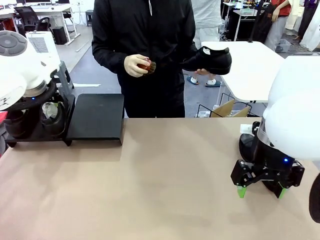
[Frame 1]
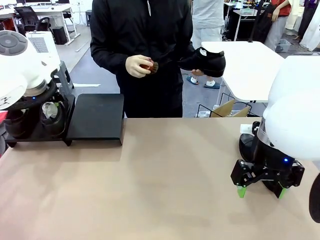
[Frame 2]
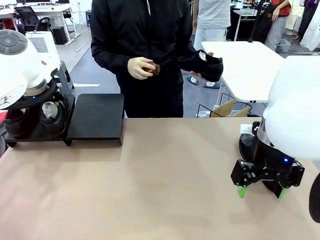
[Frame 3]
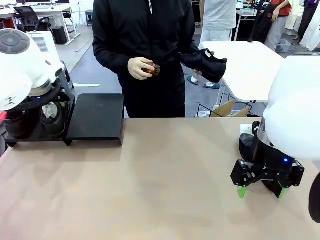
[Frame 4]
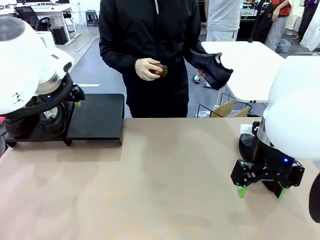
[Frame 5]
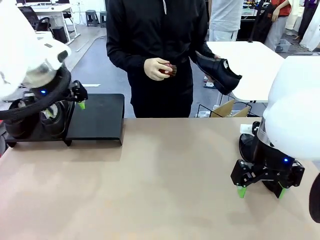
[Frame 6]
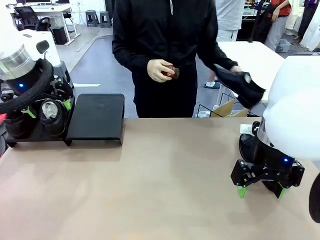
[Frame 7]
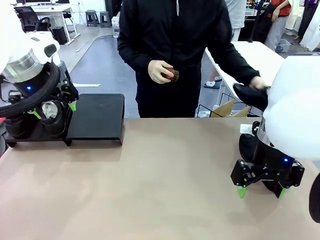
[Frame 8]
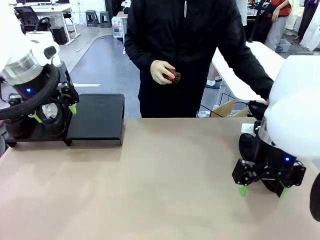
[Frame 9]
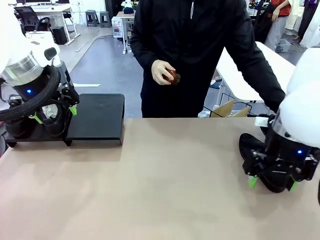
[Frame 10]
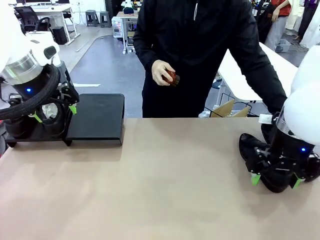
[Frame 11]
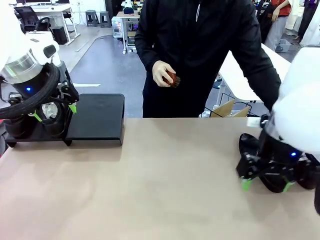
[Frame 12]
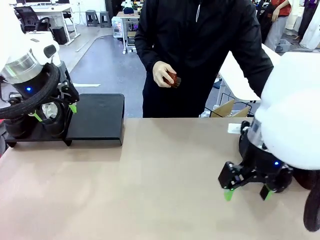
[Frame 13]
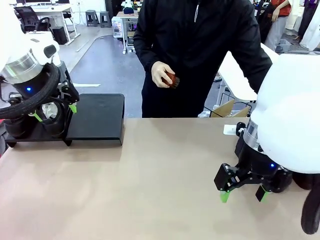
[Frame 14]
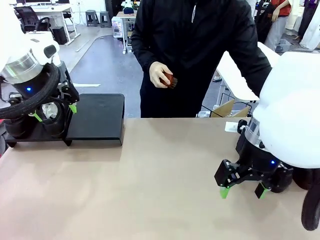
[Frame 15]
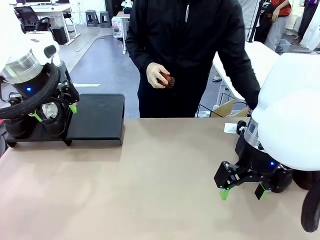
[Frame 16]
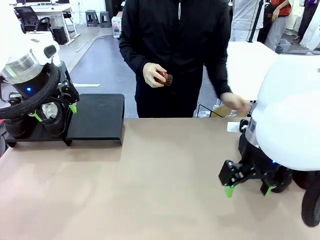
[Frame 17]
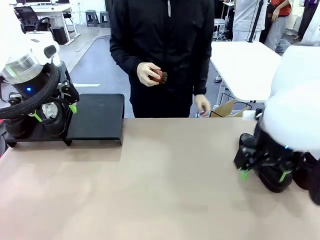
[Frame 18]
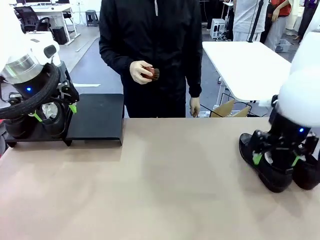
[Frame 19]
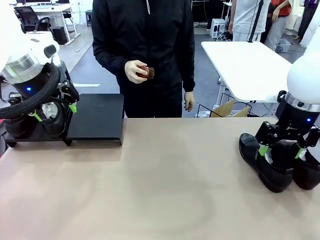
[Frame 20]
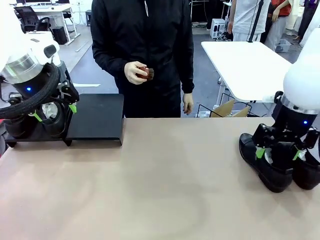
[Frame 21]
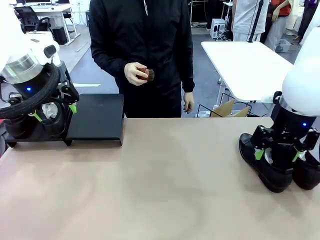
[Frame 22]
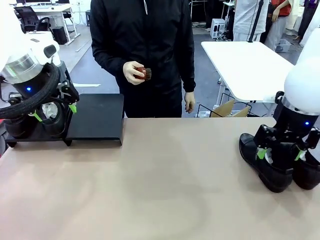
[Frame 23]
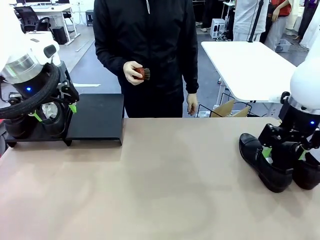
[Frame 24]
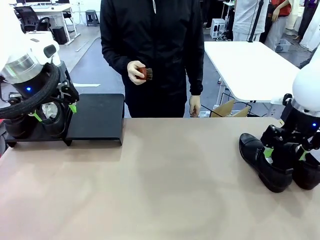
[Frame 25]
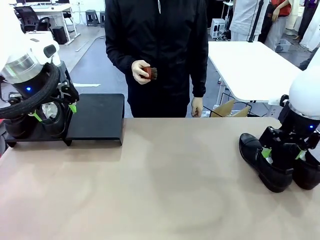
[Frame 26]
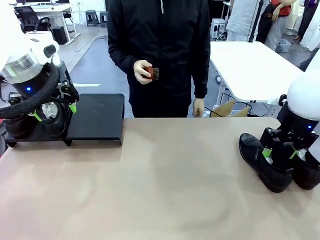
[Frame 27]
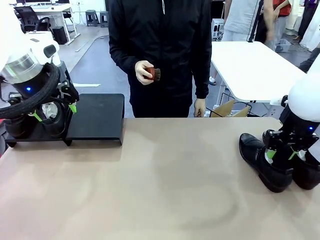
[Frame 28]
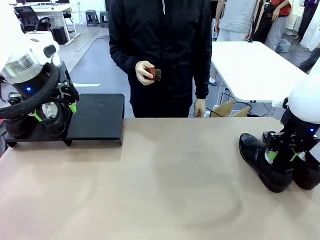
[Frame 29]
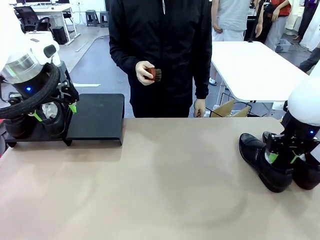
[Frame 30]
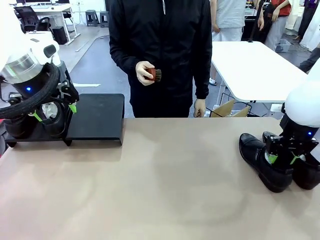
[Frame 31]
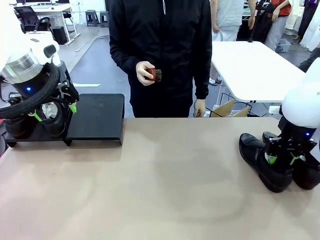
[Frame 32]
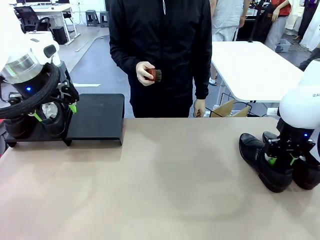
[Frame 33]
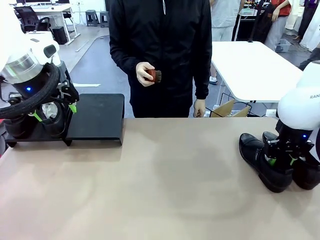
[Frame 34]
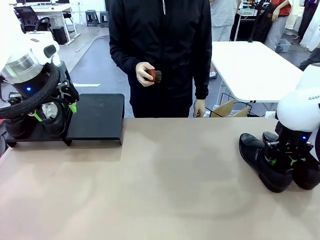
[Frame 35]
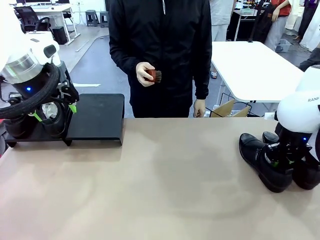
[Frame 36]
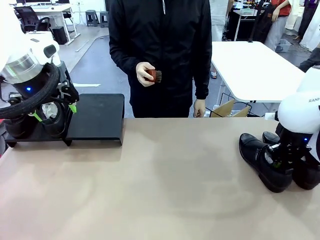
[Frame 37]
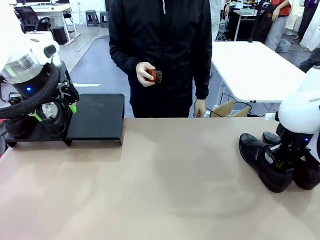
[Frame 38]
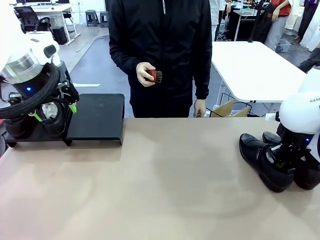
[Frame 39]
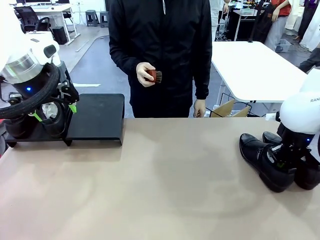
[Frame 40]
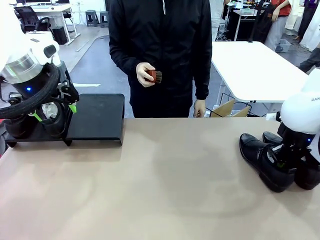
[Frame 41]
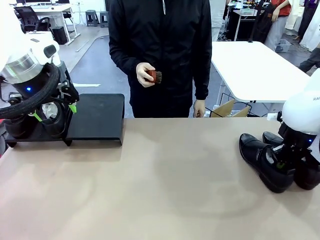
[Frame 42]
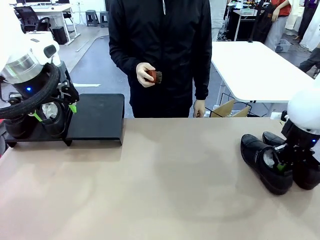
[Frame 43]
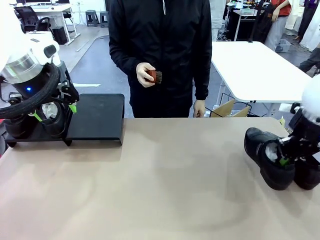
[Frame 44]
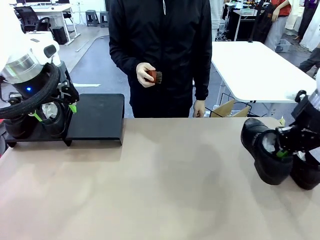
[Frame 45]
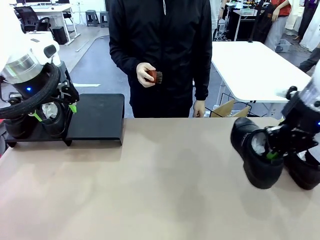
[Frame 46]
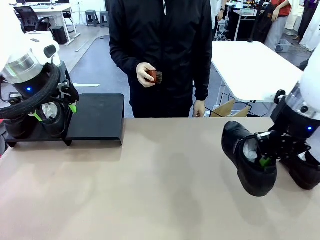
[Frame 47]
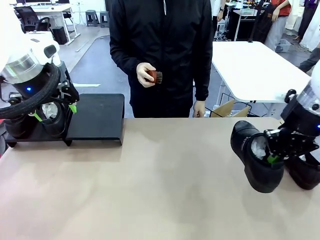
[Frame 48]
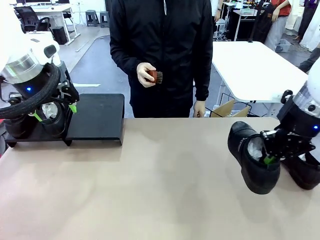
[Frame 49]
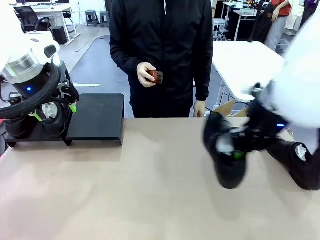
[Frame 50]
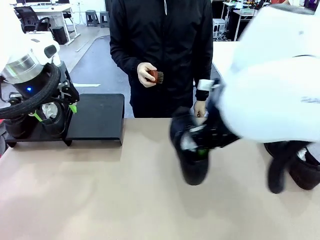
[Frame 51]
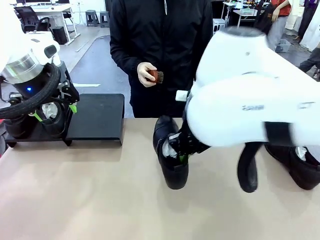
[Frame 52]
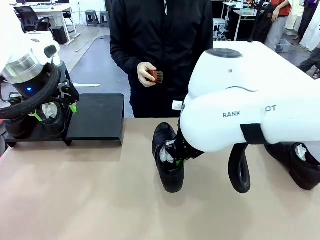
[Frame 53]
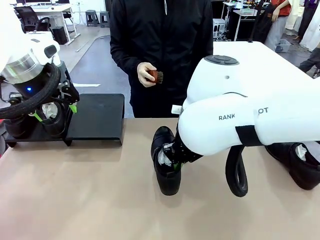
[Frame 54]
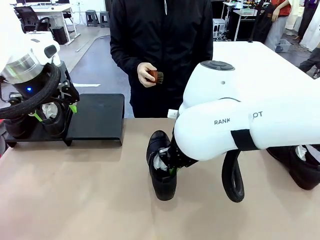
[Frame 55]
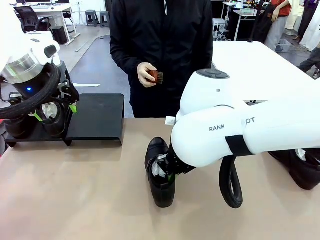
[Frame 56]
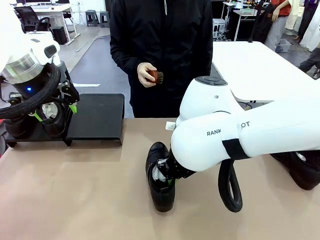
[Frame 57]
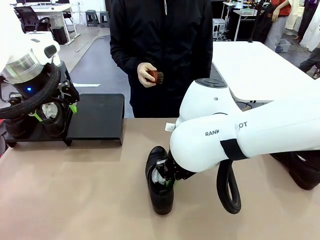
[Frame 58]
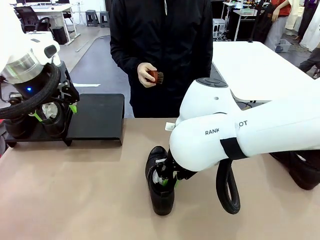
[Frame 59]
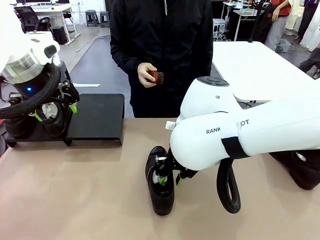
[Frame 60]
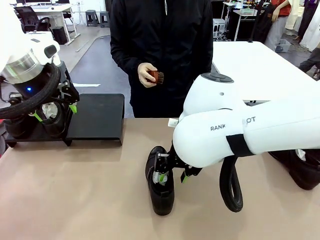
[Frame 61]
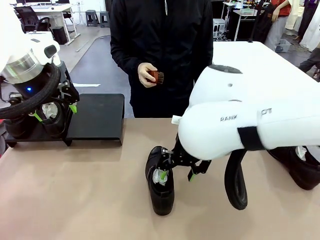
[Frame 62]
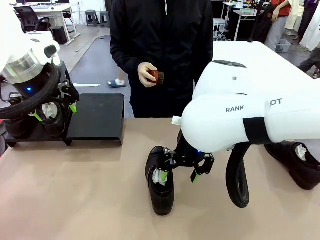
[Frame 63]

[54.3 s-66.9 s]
Task: Organize the shoes by placing them on the stand.
Robot: Pick up one Shoe and place it in the middle of the table.

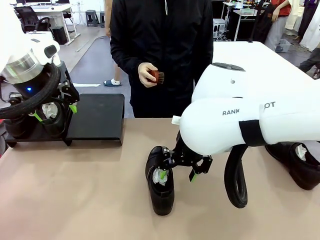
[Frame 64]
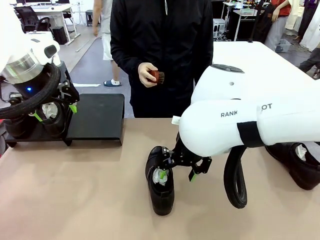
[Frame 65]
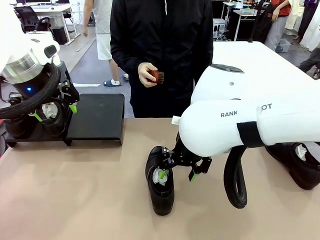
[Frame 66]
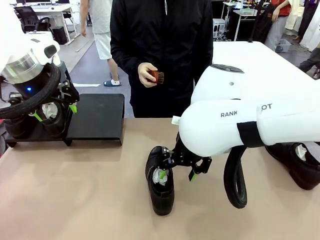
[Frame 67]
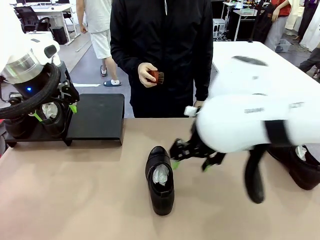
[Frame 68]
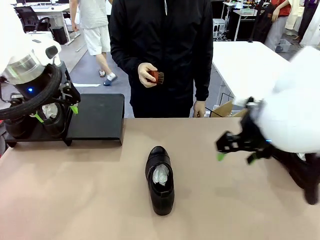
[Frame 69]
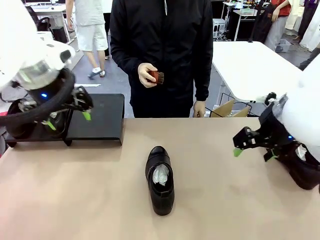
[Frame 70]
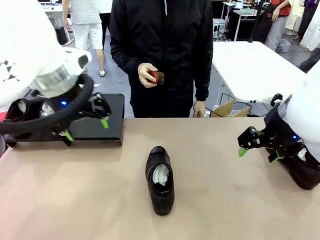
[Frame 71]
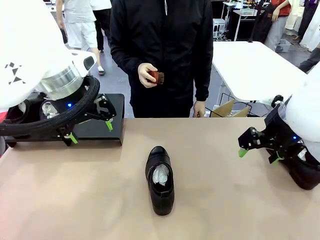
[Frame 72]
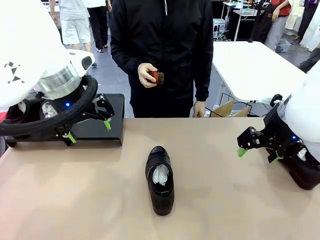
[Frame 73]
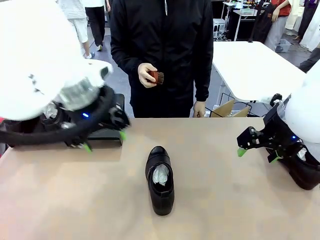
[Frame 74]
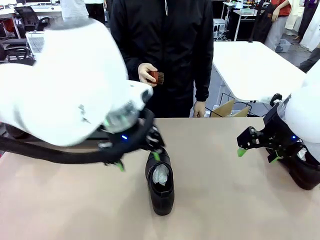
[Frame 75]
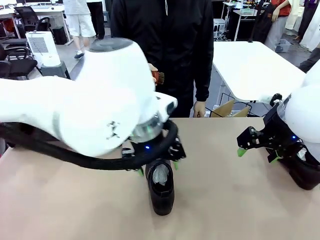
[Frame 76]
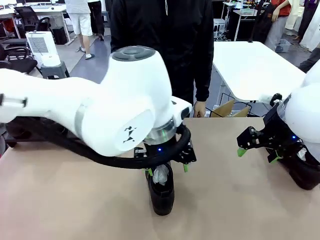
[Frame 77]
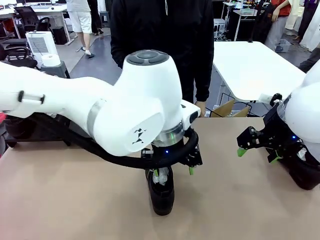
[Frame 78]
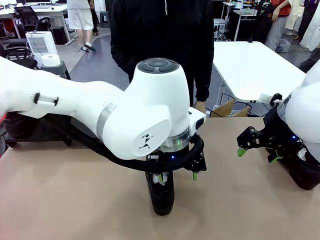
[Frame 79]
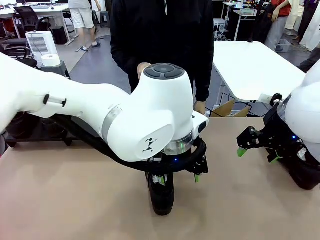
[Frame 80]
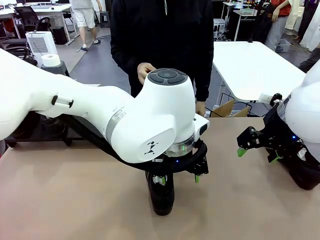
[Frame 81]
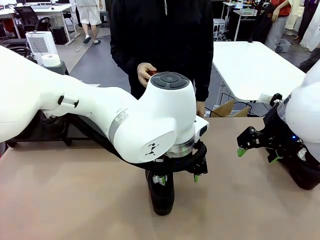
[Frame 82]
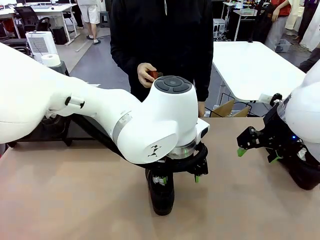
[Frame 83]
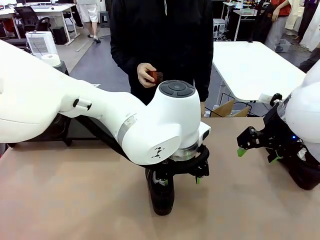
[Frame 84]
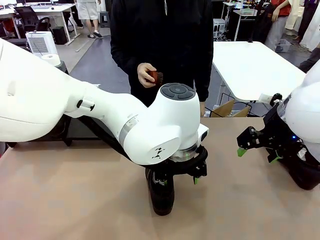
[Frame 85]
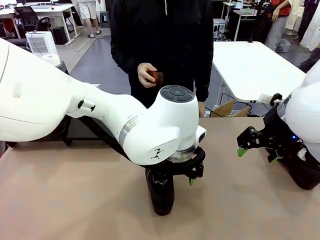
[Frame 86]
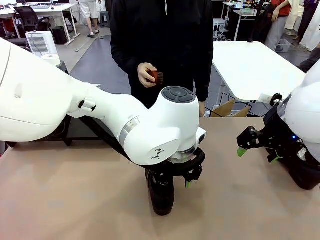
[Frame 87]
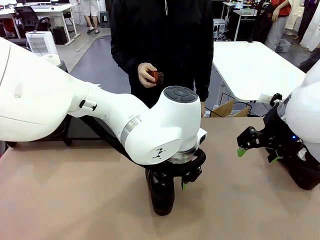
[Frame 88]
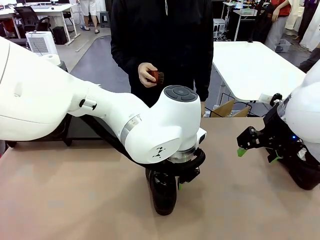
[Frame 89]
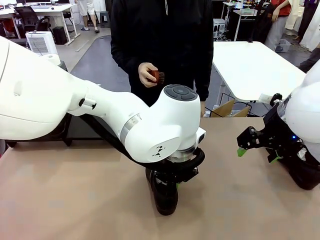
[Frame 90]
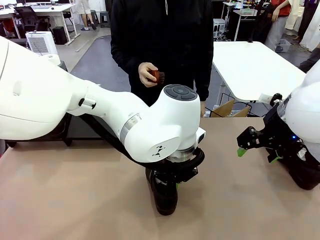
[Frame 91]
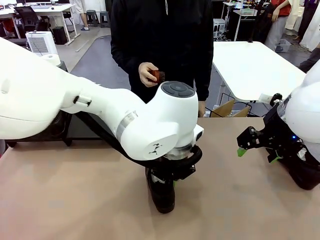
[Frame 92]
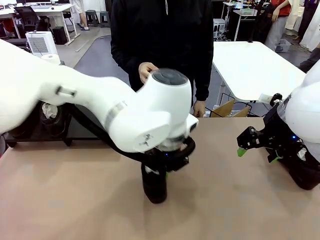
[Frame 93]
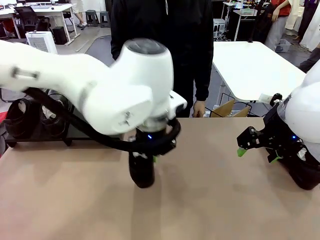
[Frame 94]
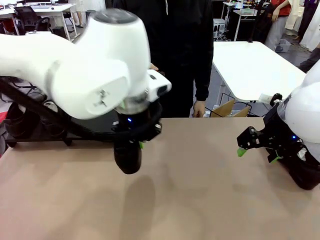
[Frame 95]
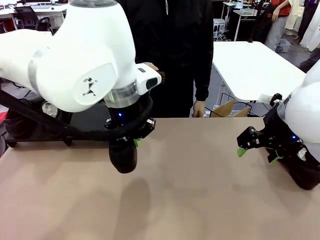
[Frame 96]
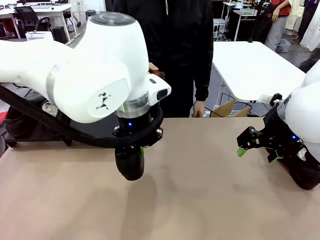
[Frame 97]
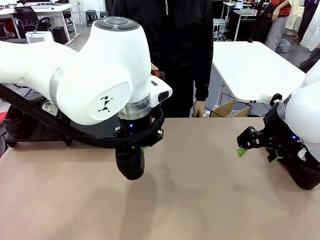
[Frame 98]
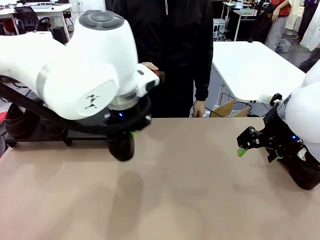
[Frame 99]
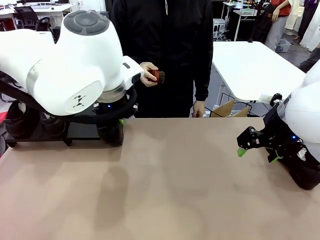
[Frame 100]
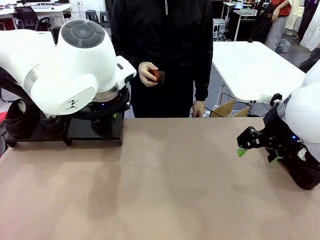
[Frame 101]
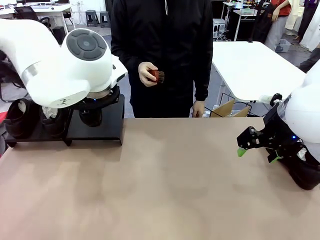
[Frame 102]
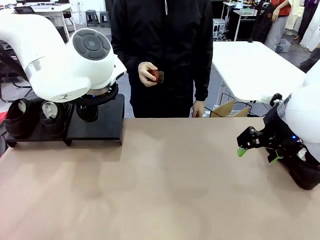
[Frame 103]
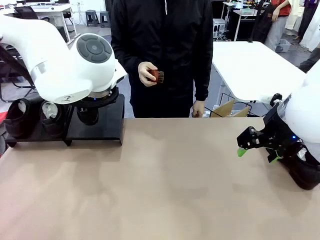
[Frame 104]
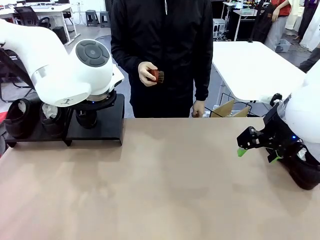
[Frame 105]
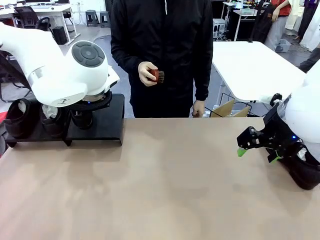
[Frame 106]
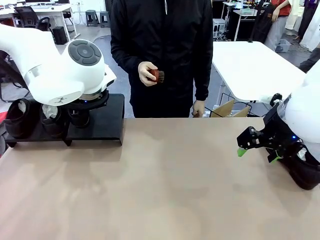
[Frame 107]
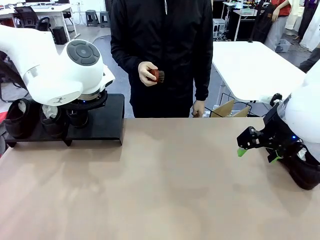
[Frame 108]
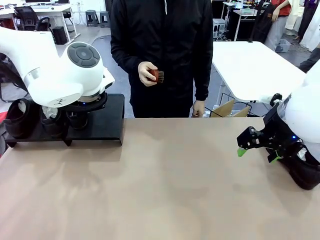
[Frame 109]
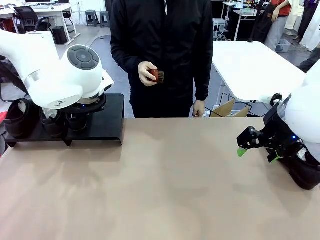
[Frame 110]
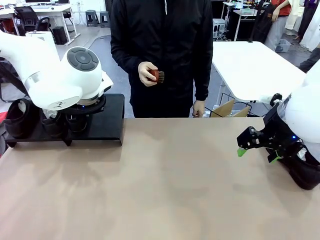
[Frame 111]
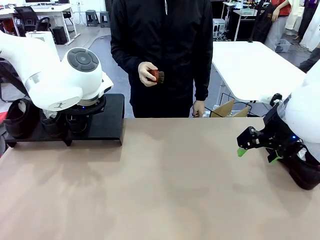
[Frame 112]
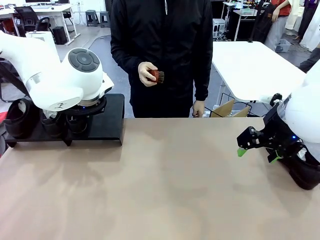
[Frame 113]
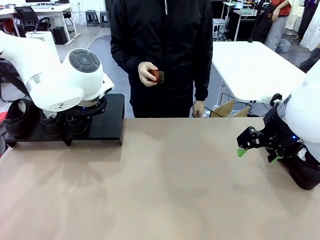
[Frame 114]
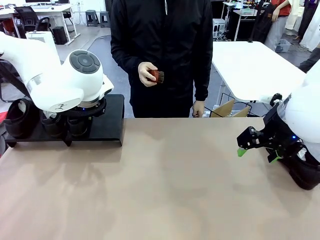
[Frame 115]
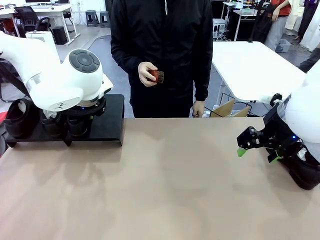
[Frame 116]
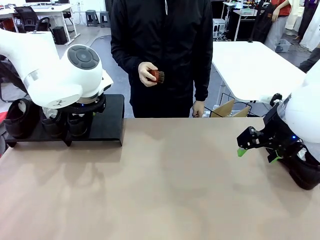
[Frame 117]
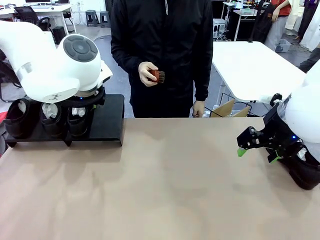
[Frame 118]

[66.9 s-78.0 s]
Robot: Place the Shoe from the middle of the table onto the Shoes Stand.
